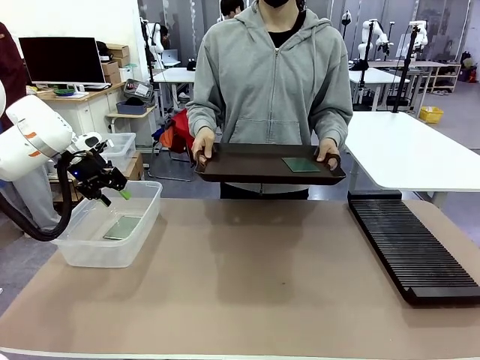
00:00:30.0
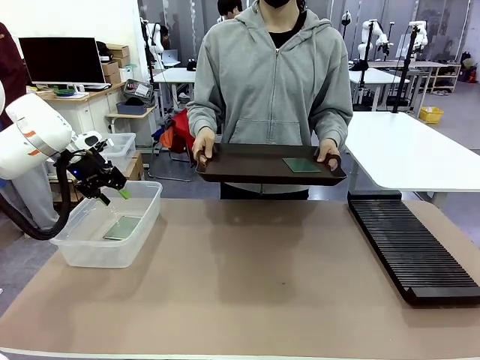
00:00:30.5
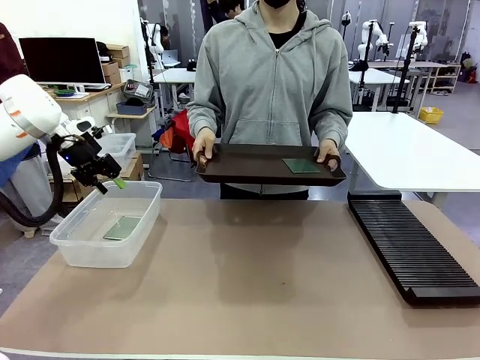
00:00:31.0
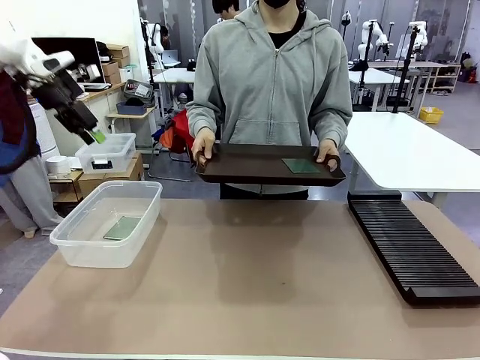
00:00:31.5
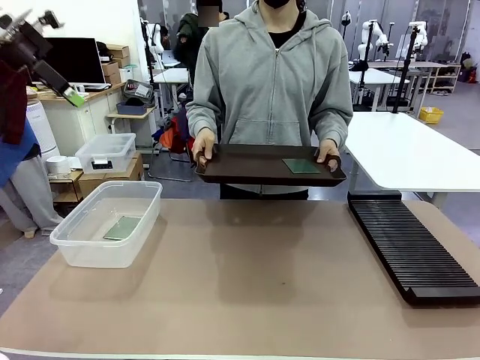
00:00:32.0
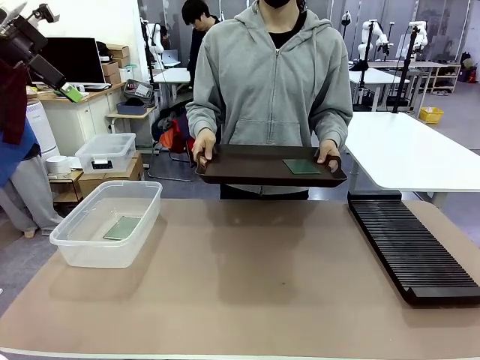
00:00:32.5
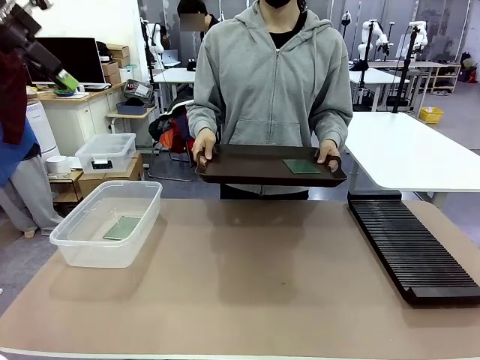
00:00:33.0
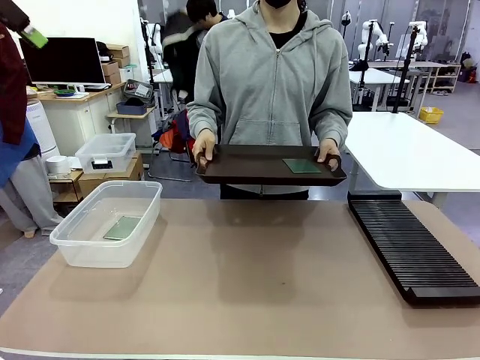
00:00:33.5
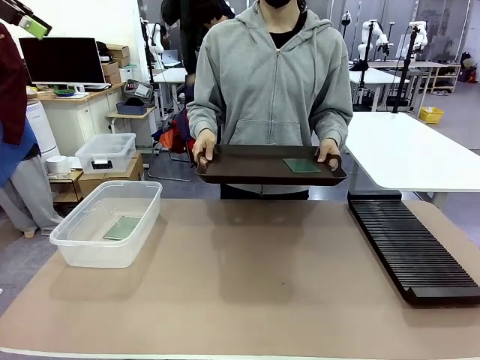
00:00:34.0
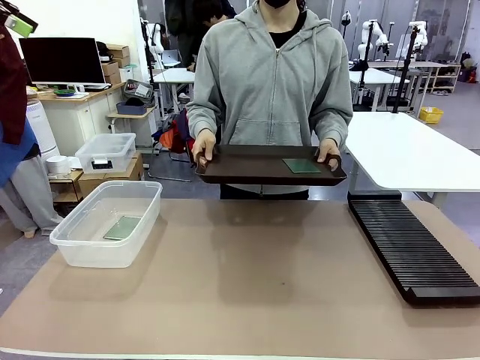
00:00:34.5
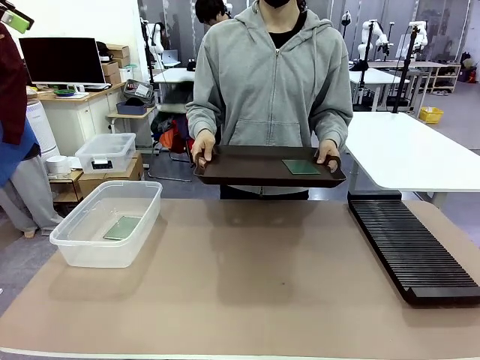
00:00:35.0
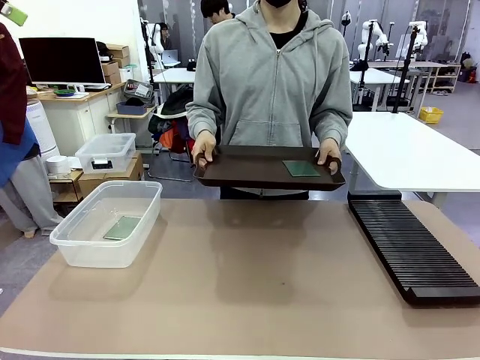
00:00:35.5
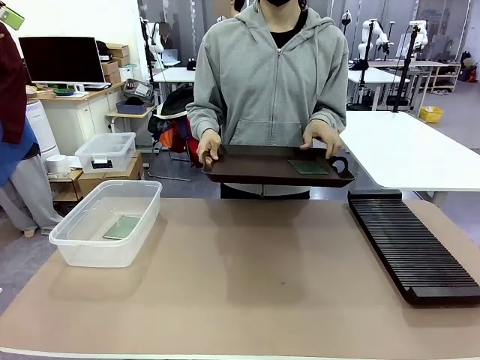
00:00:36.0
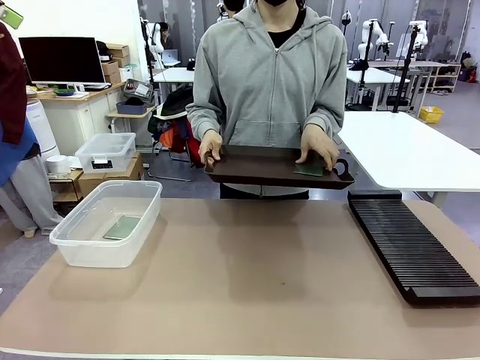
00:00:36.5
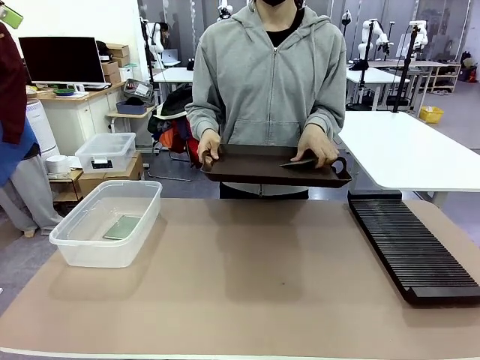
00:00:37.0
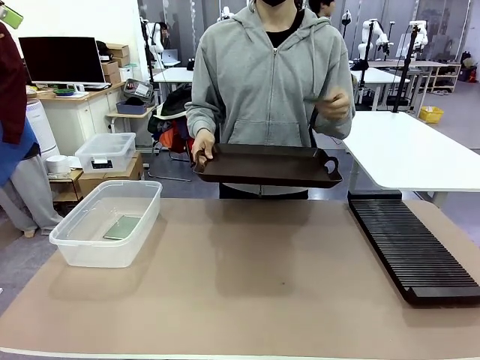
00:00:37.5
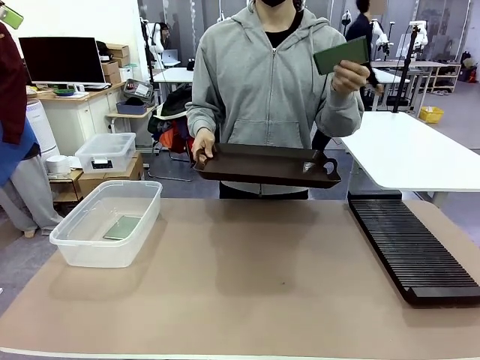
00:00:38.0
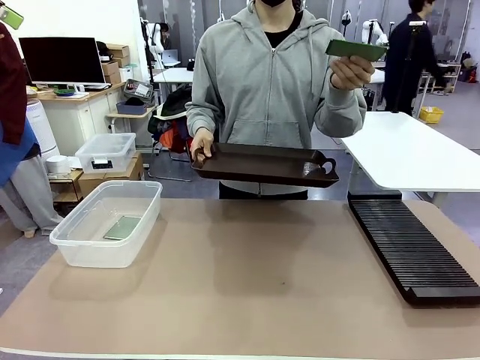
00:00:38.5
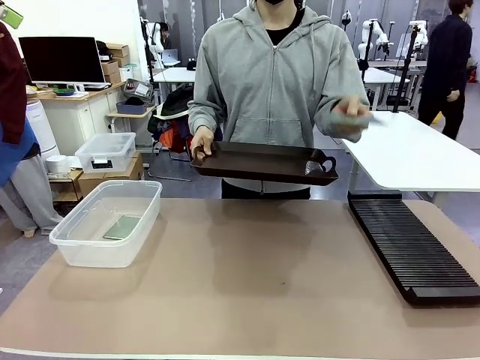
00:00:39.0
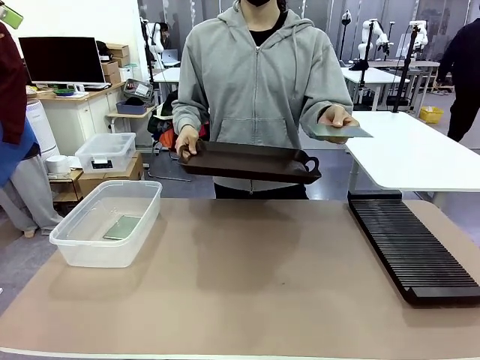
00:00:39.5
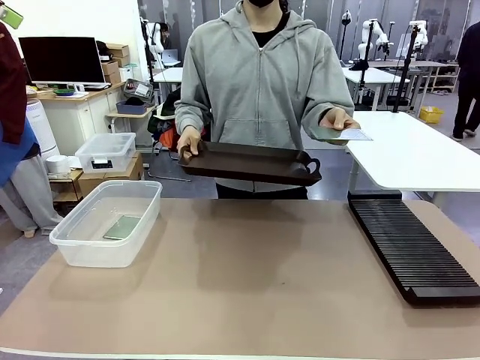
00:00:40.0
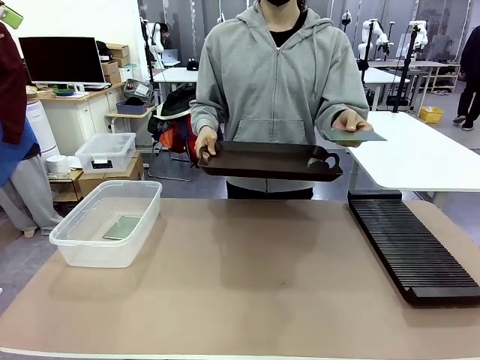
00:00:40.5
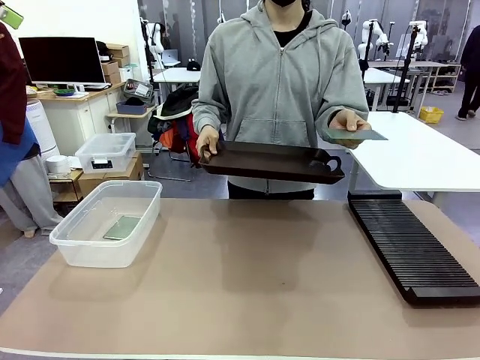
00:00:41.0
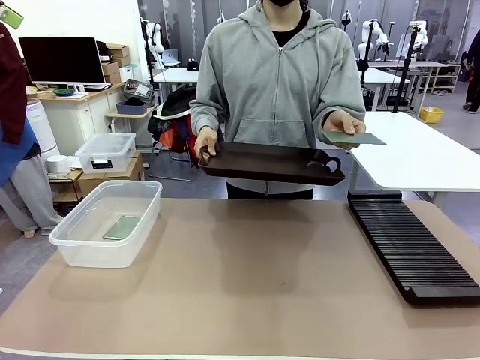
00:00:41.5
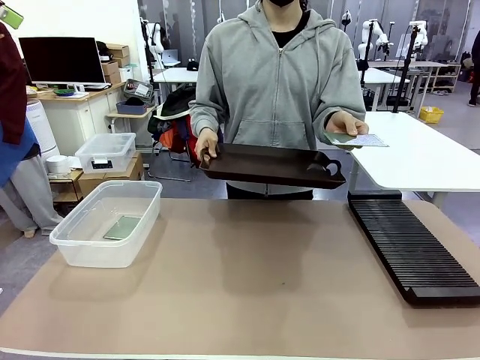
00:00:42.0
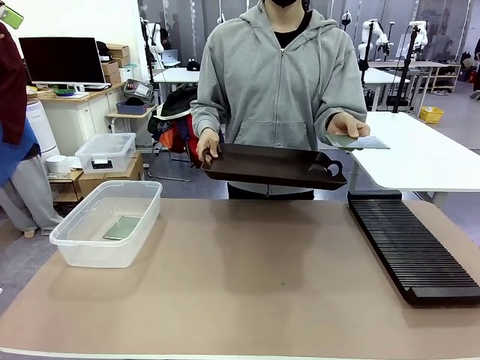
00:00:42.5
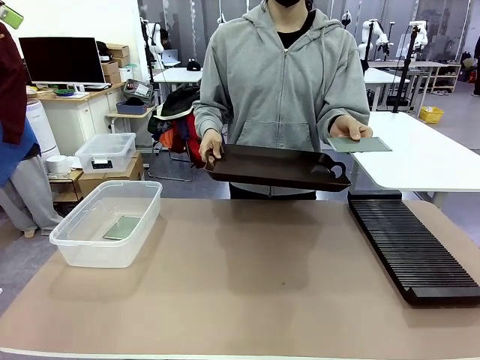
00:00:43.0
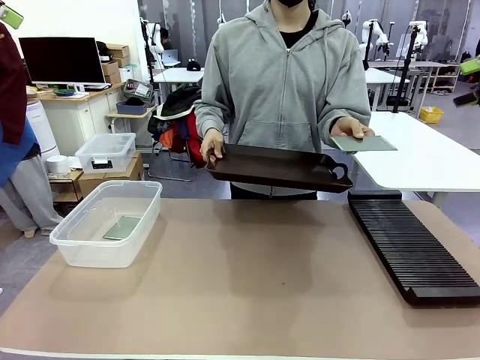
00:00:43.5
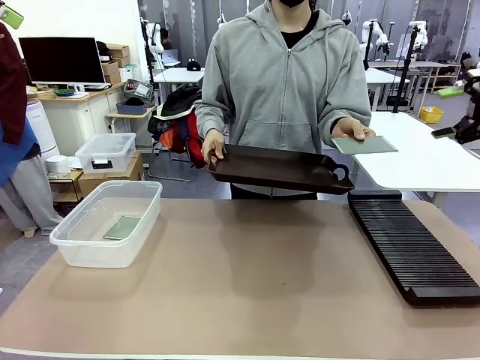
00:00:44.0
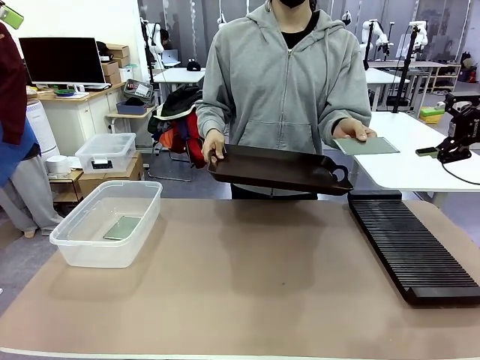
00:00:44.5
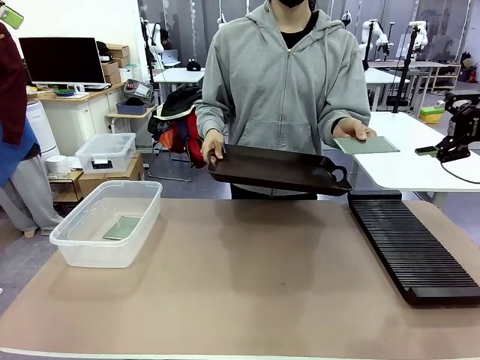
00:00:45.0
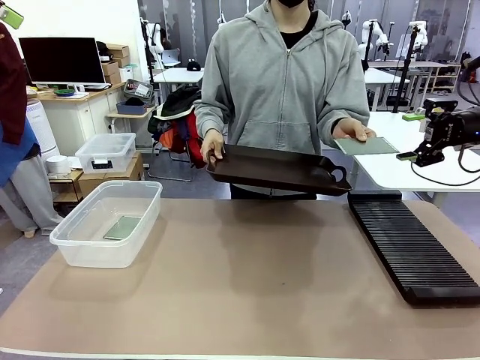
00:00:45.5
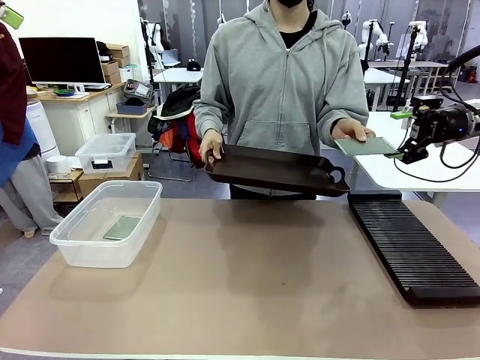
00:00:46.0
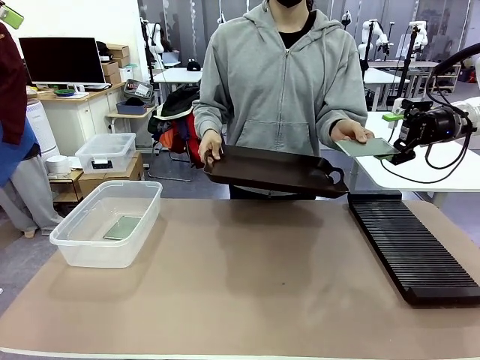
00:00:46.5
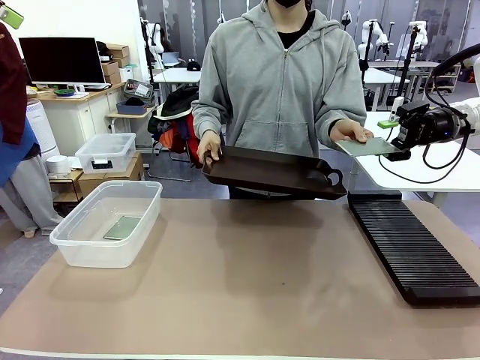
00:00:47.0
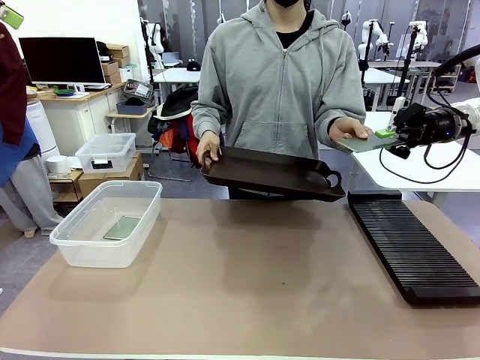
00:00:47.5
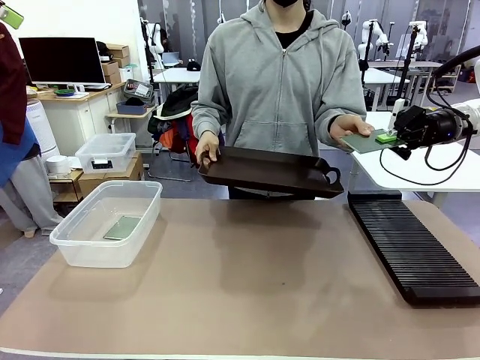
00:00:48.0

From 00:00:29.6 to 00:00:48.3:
Task: Sort PCBs into racks and boxes based on the side picked up.
Robot: Pick up the Blank PCB handed by the Human.
Person: Pick one PCB from the tray and present it to the robot.

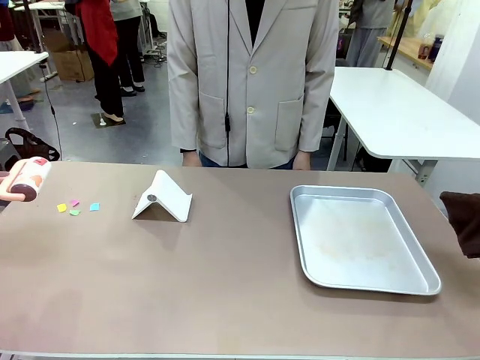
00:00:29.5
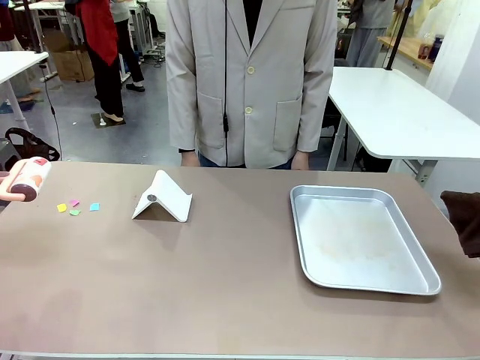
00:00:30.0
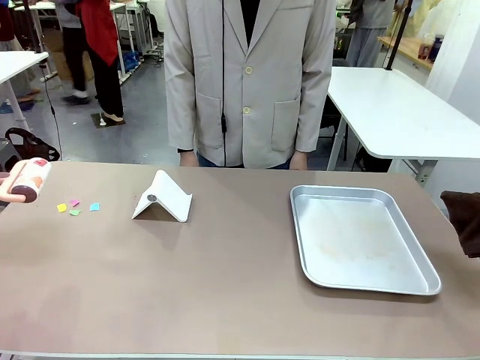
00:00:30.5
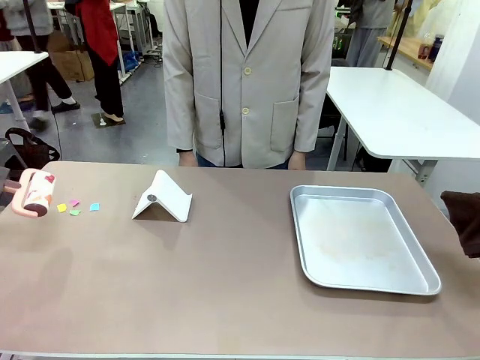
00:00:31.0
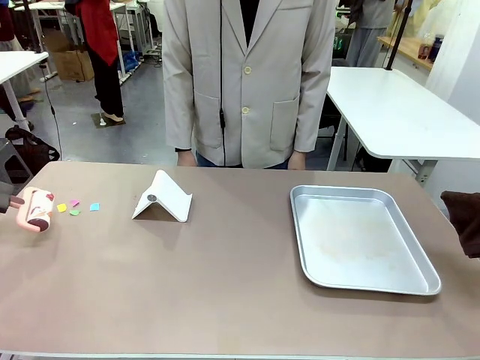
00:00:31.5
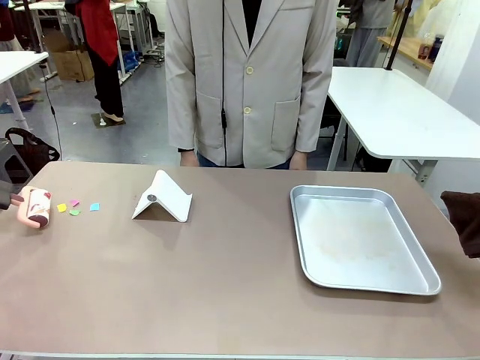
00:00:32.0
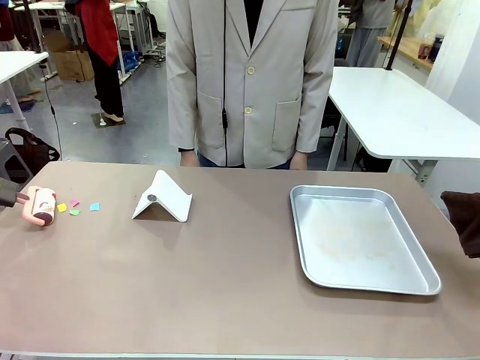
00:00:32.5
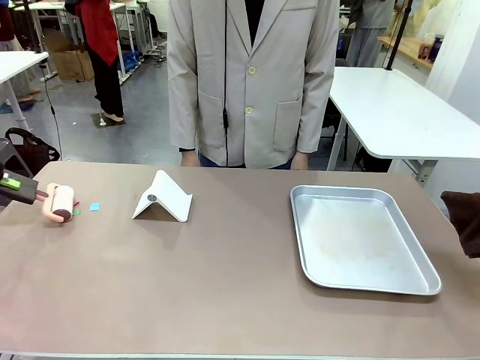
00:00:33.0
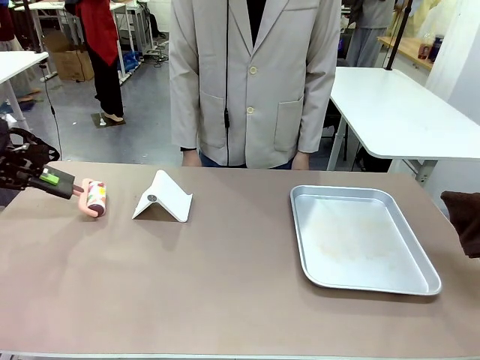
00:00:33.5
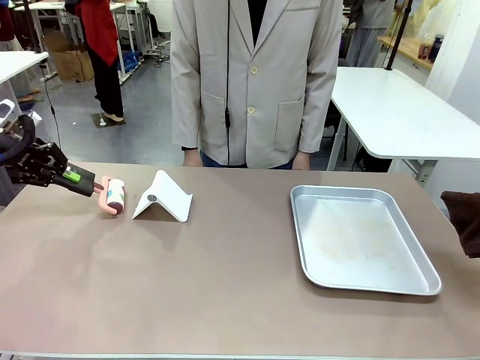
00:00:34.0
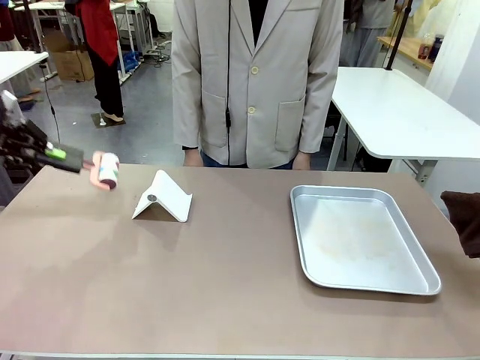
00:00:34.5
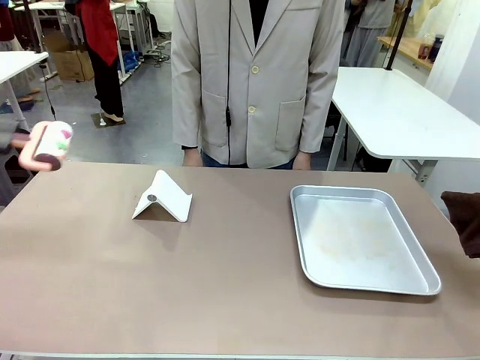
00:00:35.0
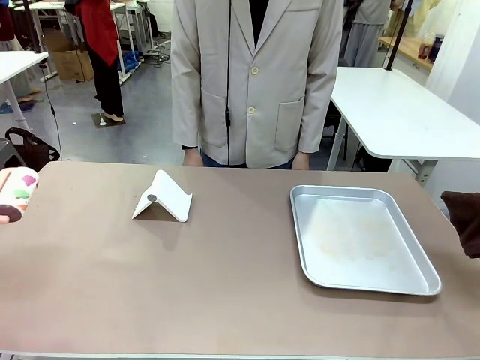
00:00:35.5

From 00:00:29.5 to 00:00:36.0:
Task: Clean the surface of the table.
Robot: Clean the area not pointed to by the person.
